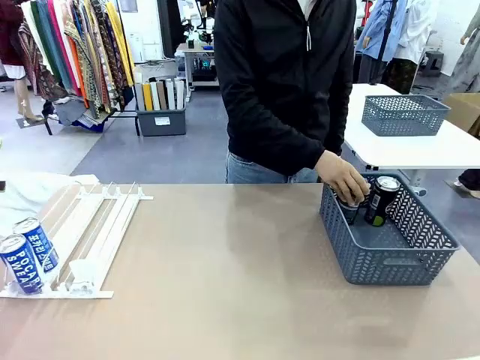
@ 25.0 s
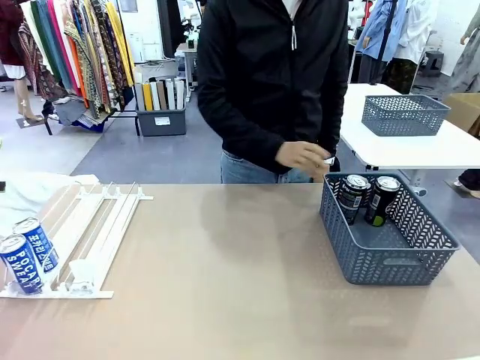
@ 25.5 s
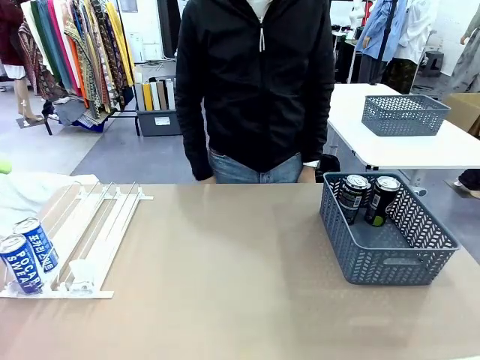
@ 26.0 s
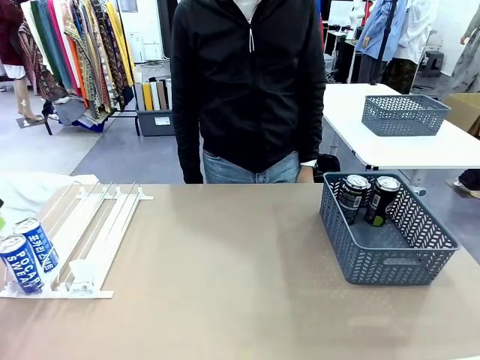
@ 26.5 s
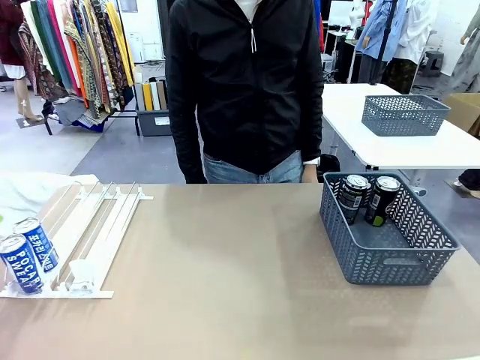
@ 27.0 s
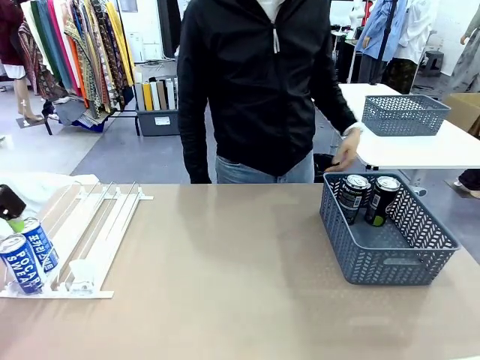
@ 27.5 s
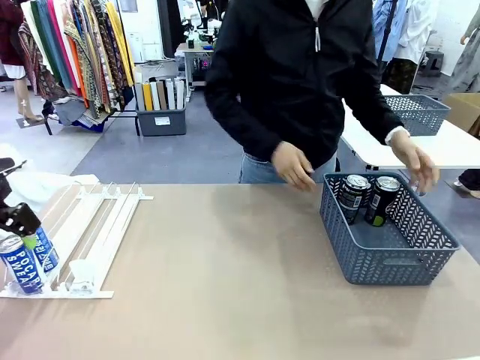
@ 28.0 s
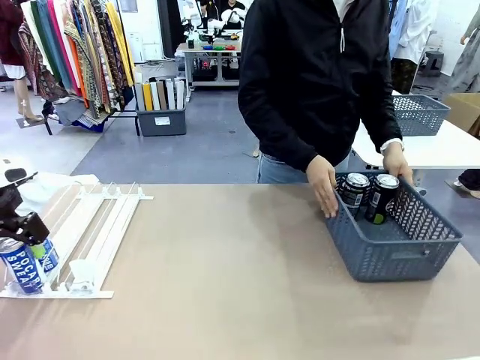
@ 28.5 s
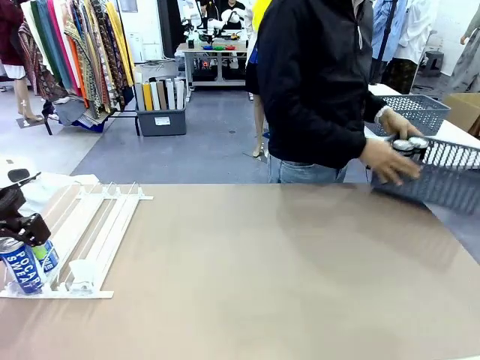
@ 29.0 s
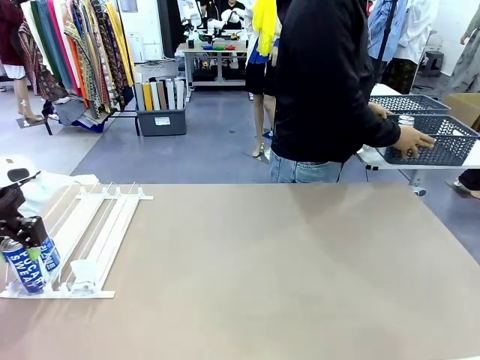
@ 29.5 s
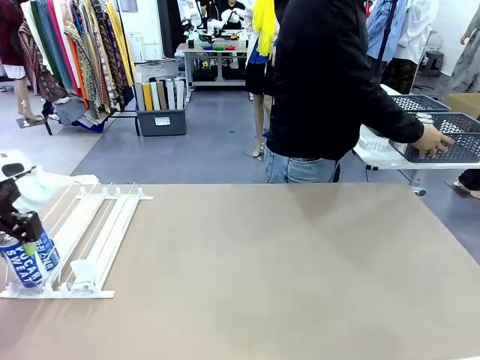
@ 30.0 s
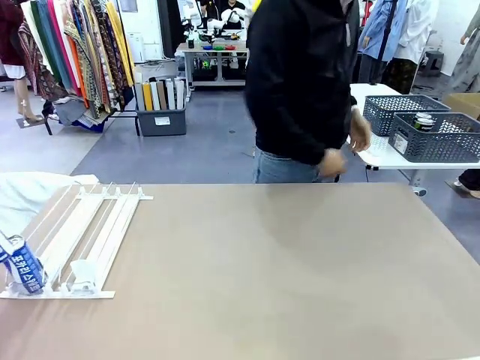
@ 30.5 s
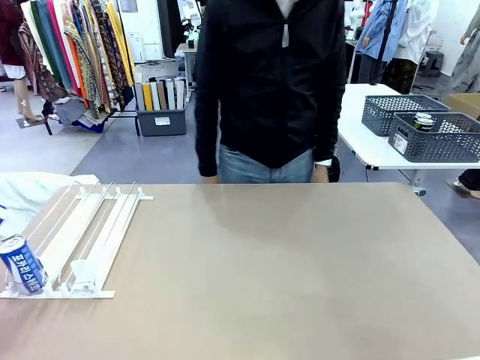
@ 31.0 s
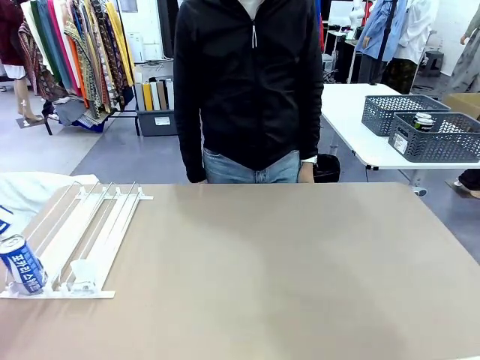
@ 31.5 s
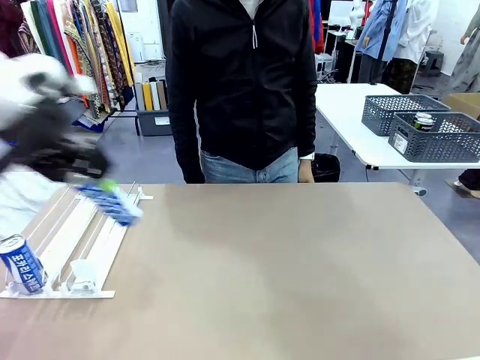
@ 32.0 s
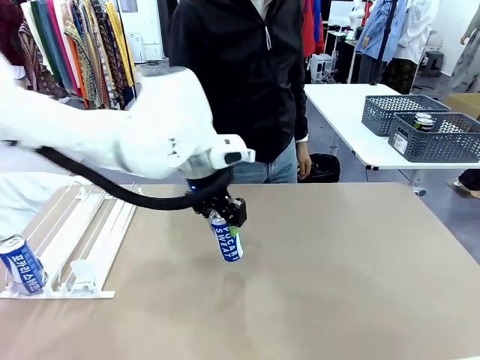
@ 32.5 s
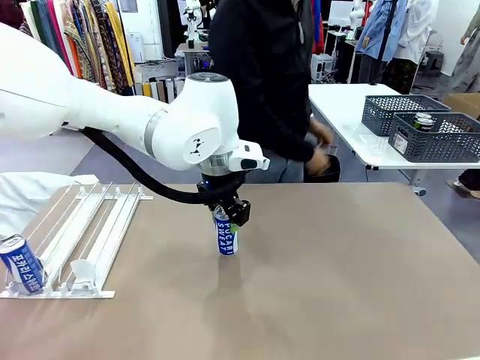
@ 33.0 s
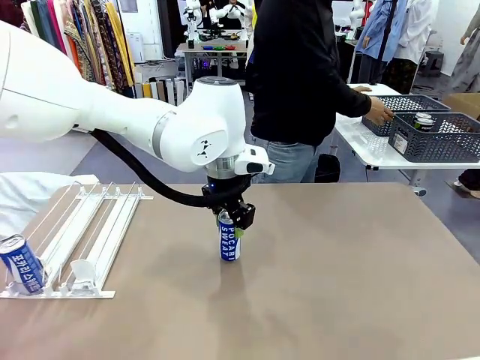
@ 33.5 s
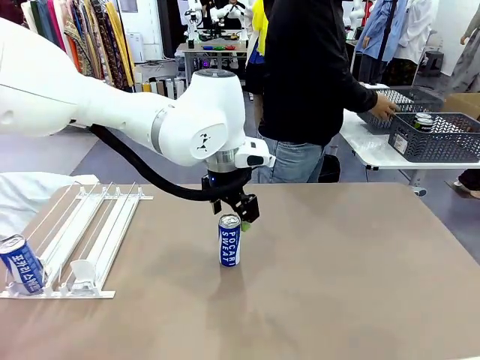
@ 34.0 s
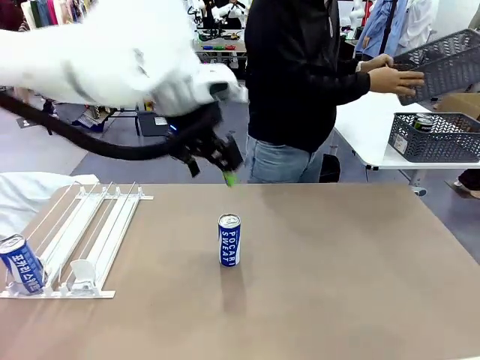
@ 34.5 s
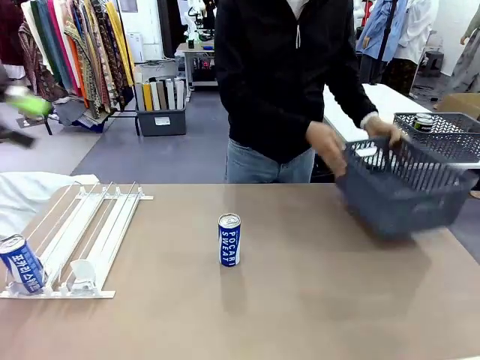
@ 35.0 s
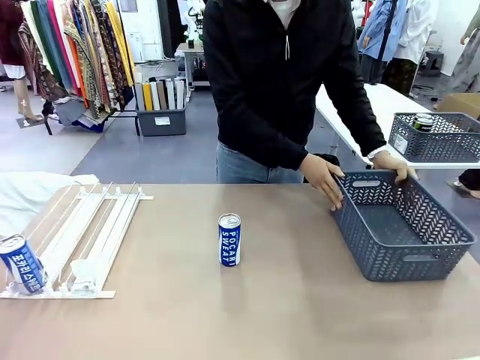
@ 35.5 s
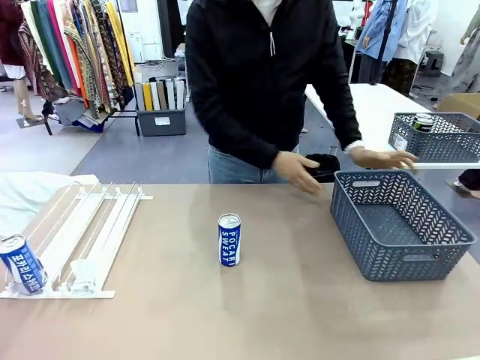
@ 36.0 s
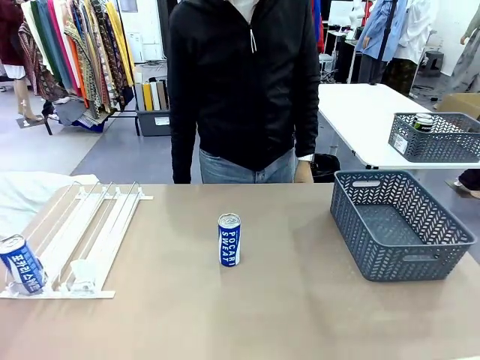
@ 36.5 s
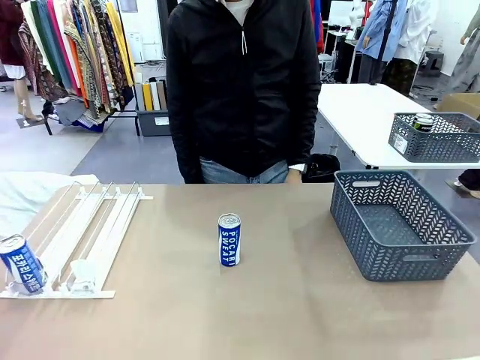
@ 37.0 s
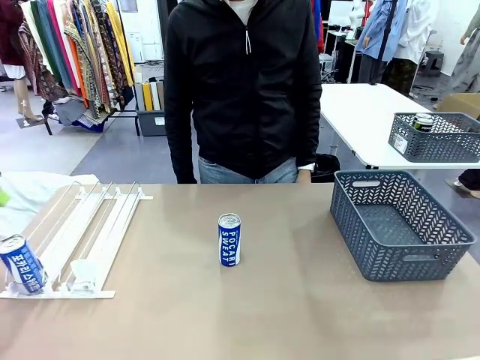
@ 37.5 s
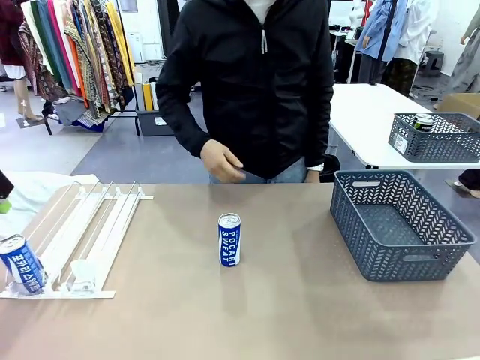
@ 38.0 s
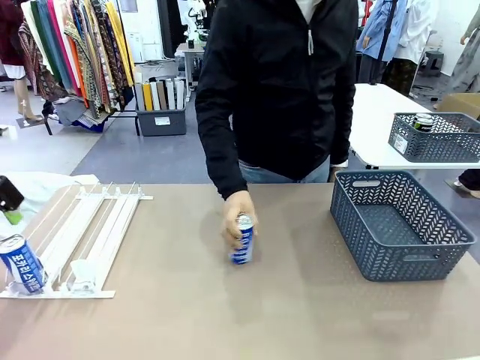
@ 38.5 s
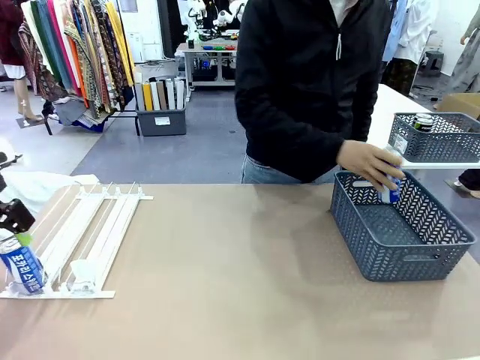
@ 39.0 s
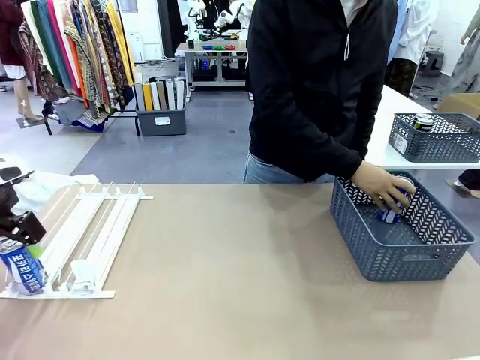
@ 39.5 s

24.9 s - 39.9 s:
Task: Retrieve and store the cans from the dispenser.
Robot: Pick up one can from the Automatic Can Dispenser and place it in the middle of the table.
Person: Pick up the basket and place it in the middle of the human table. Pick up the empty basket and place it on the left side of the robot table.

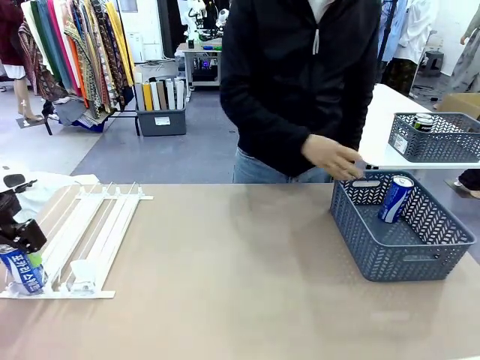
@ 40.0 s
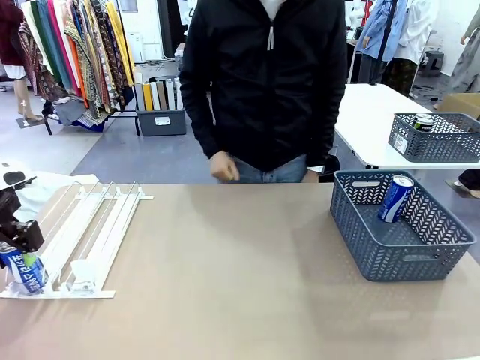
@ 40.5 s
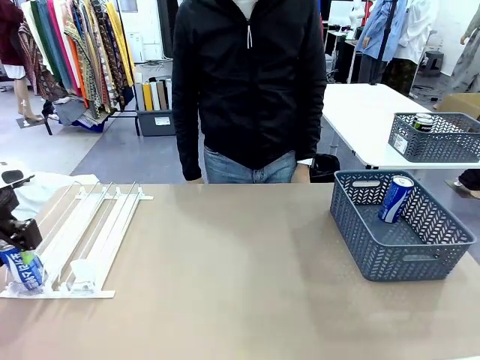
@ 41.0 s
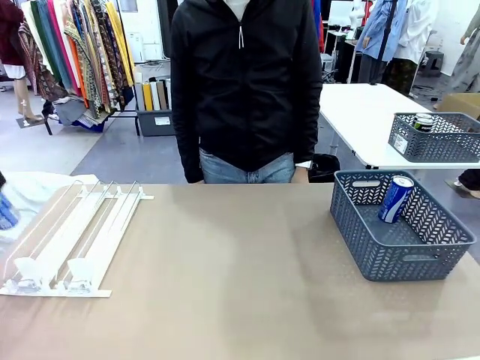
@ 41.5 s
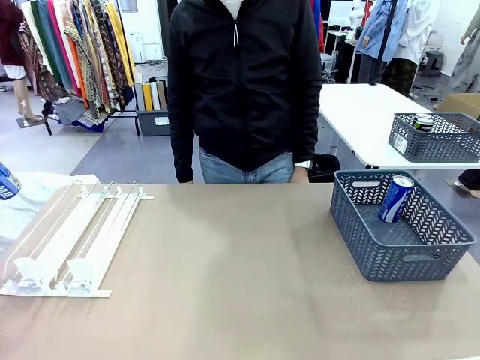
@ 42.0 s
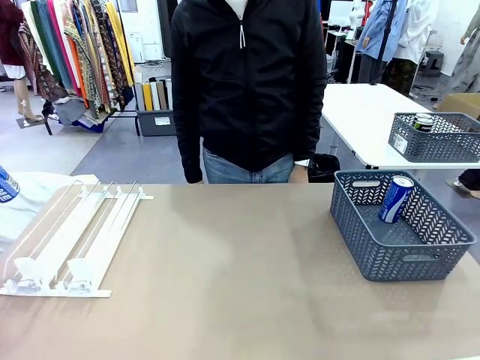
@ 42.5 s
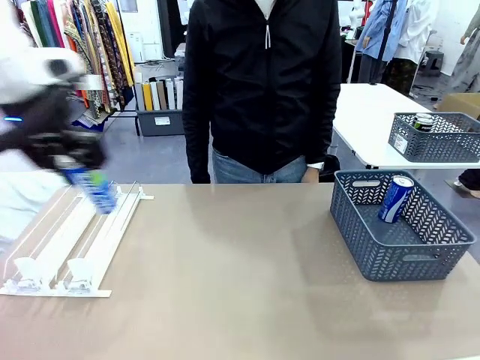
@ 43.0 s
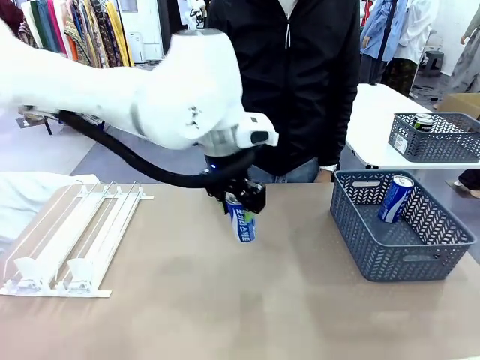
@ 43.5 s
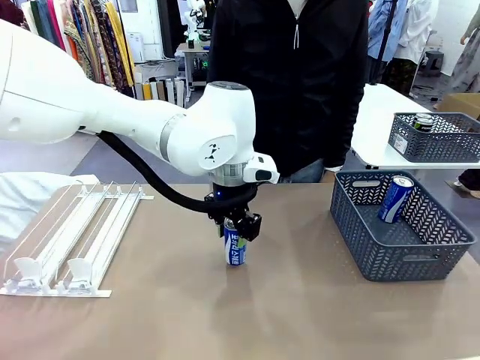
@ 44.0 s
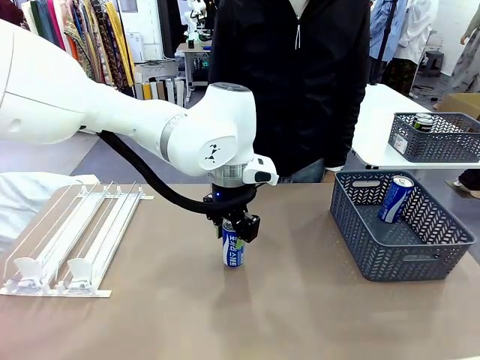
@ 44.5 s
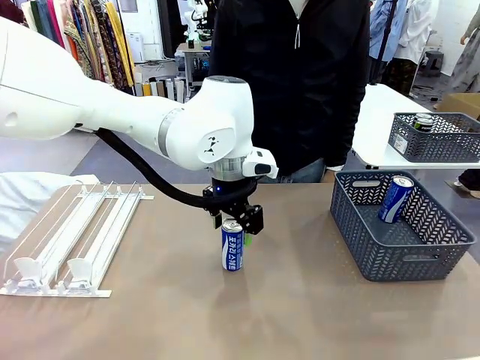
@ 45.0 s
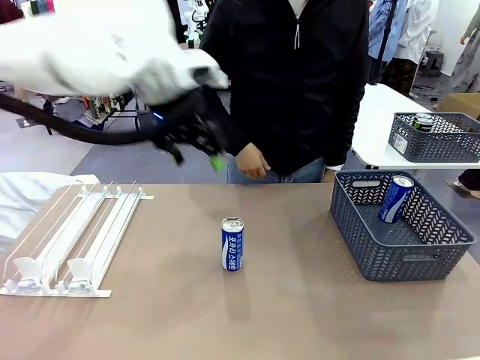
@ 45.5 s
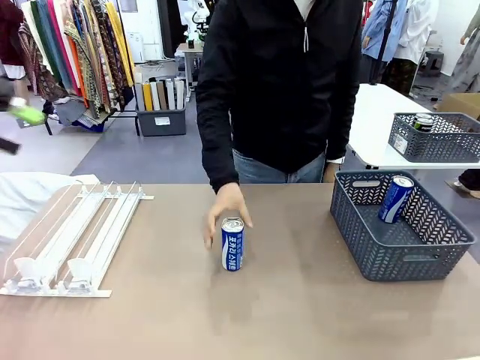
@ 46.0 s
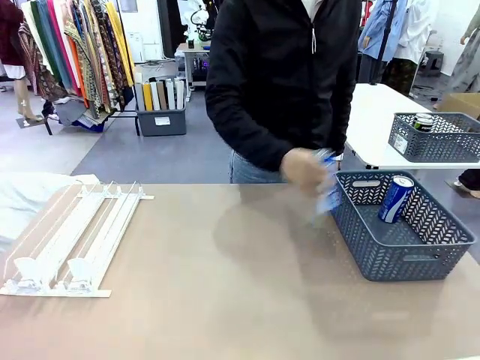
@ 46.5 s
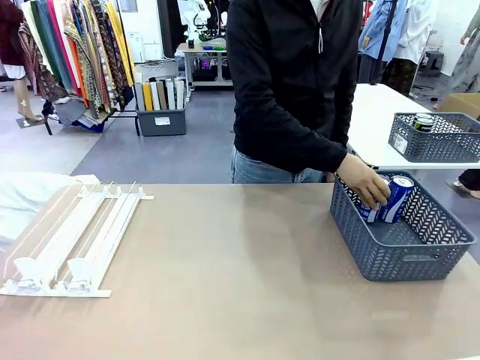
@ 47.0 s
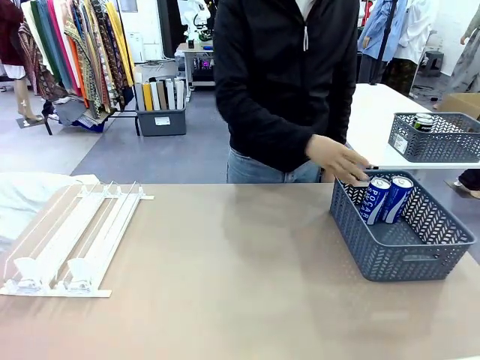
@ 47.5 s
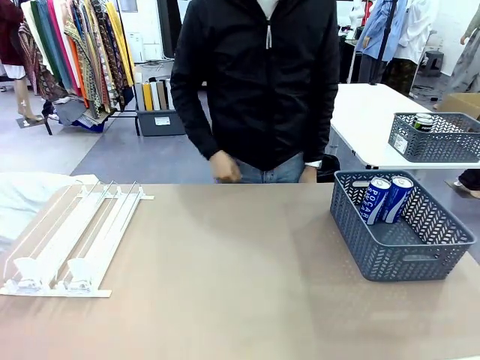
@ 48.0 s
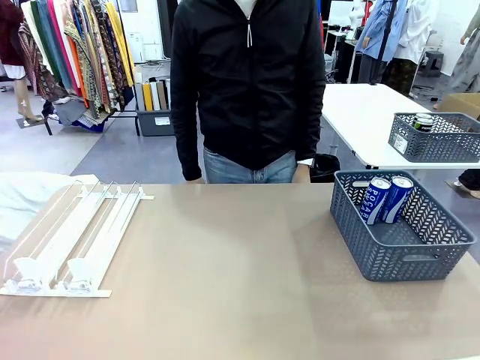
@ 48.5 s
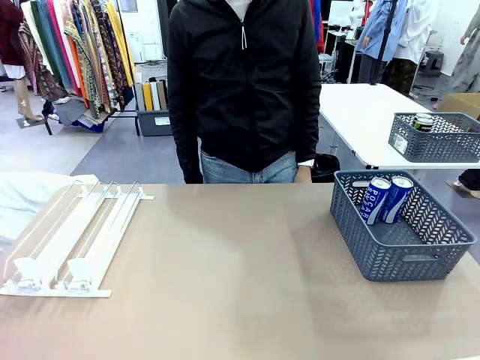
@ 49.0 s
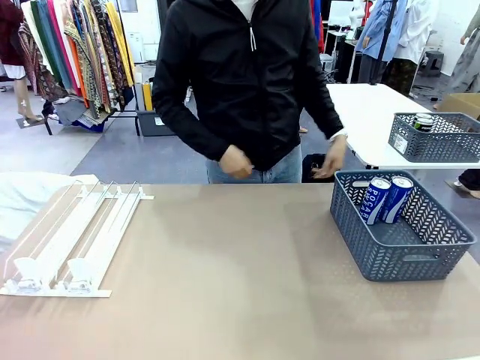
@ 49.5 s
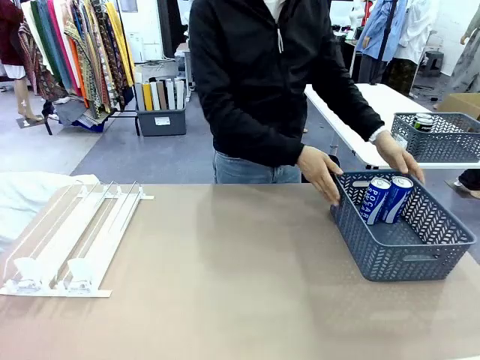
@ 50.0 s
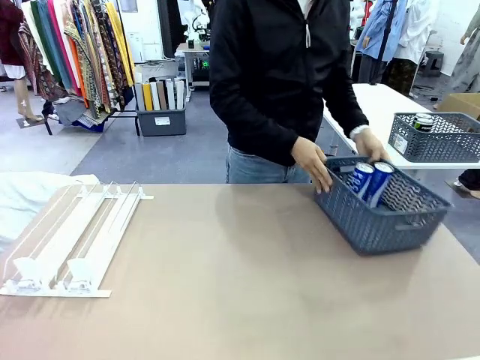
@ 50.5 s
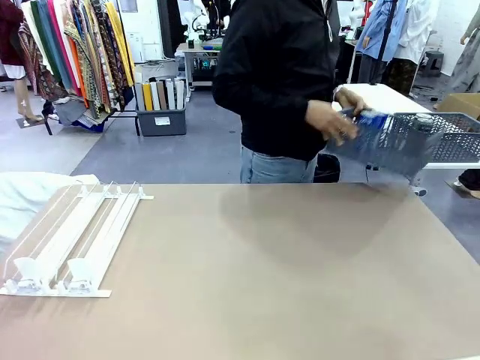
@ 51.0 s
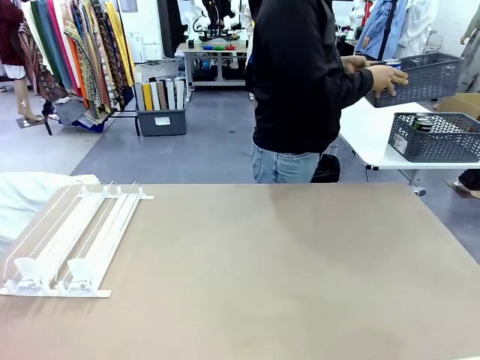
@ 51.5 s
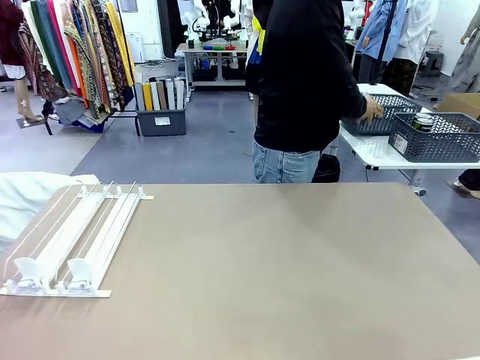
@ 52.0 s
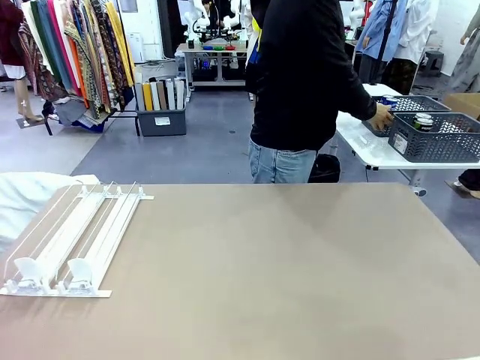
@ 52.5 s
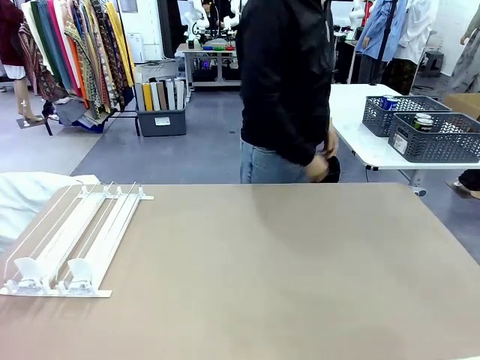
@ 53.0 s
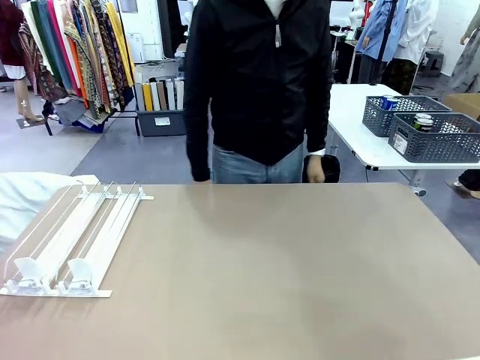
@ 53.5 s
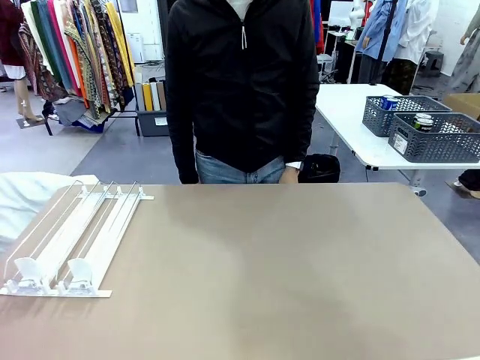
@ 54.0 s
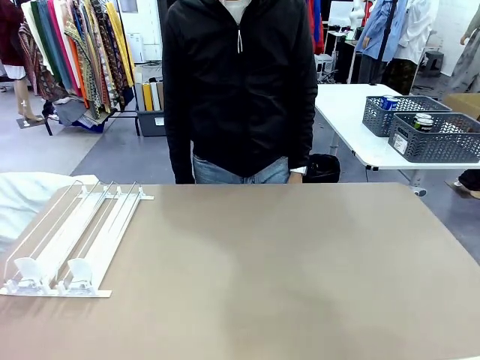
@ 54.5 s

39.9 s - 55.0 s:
Robot: Pick up one can from the Automatic Can Dispenser and place it in the middle of the table.
Person: Pick up one sports drink can from the middle of the robot table and place it in the basket. Pick up the basket and place it in the middle of the human table.
